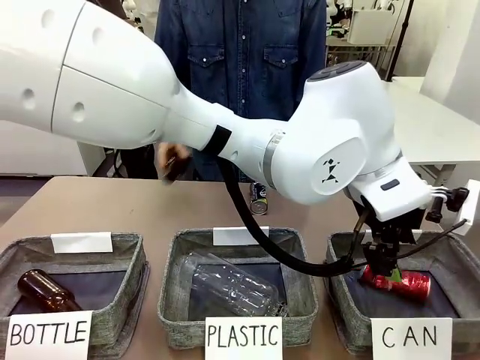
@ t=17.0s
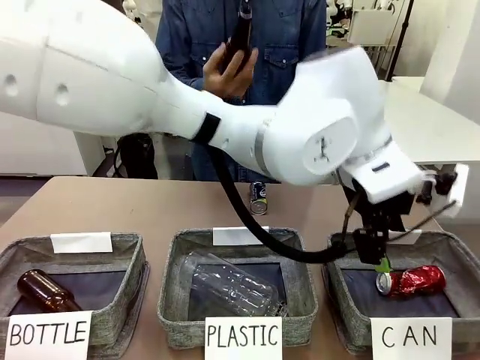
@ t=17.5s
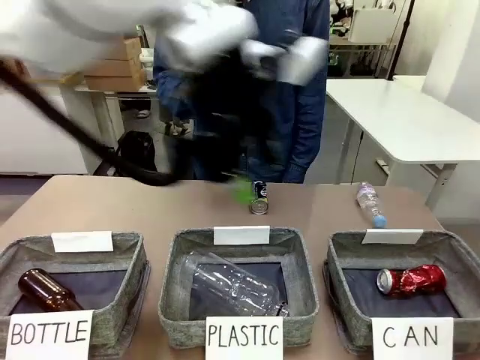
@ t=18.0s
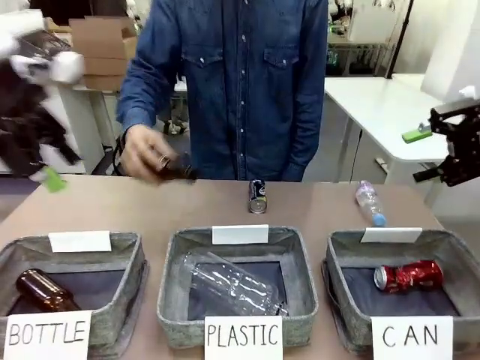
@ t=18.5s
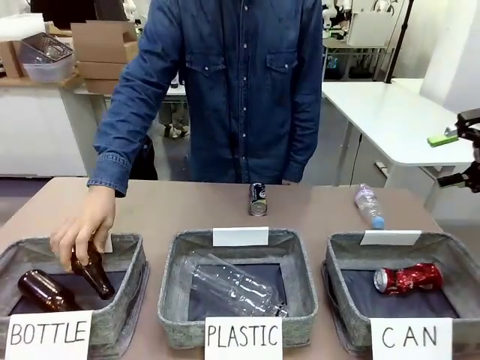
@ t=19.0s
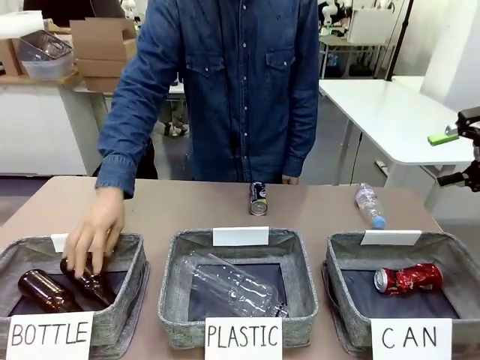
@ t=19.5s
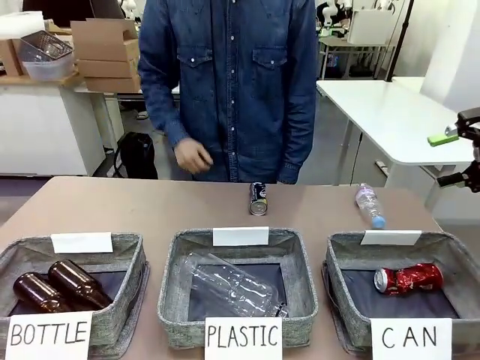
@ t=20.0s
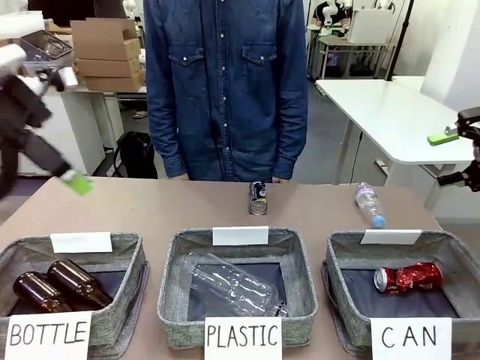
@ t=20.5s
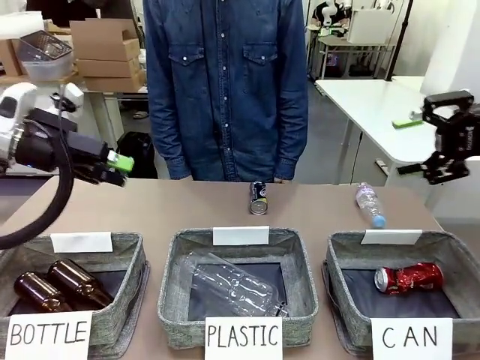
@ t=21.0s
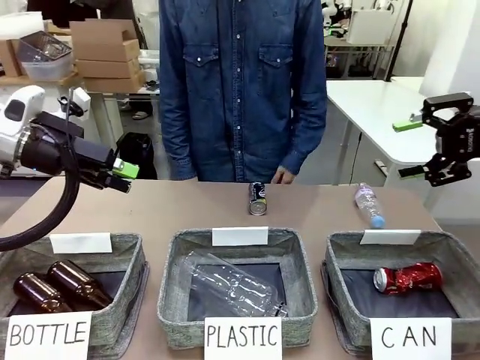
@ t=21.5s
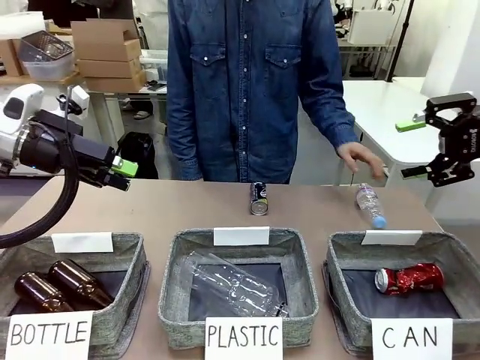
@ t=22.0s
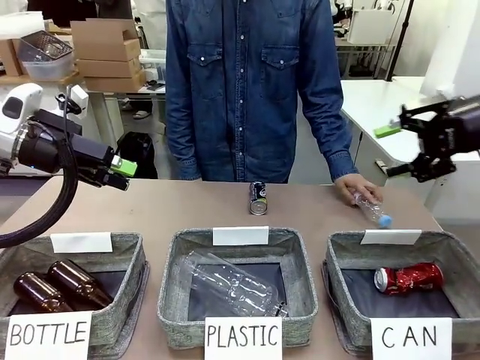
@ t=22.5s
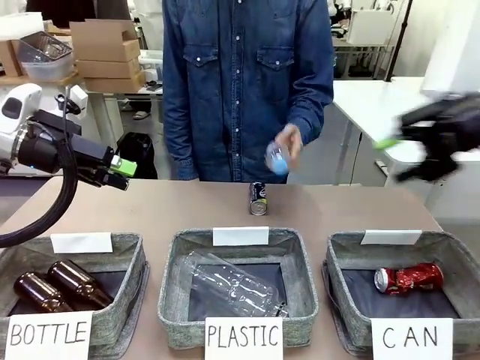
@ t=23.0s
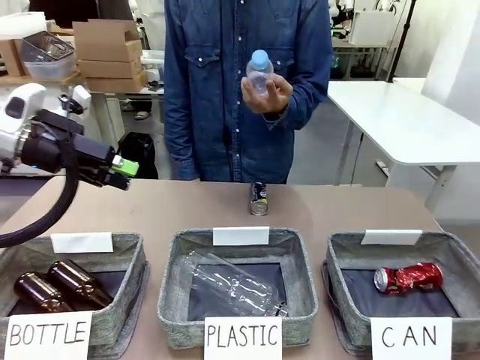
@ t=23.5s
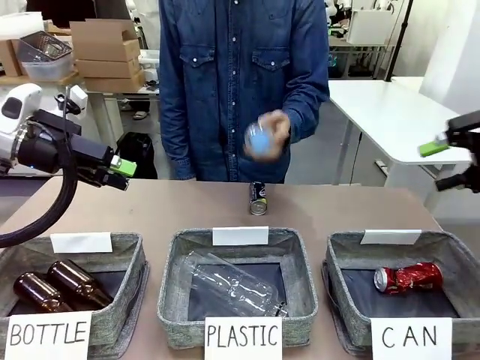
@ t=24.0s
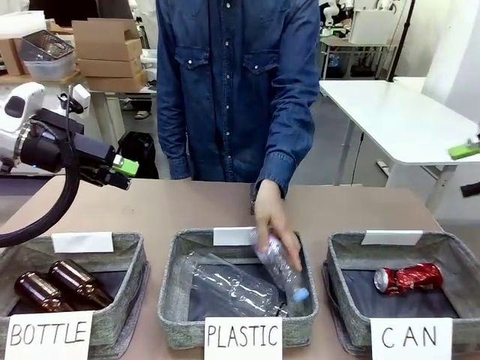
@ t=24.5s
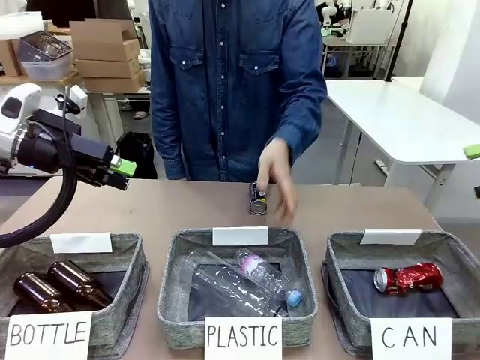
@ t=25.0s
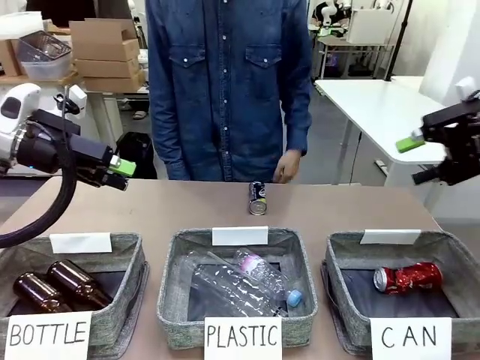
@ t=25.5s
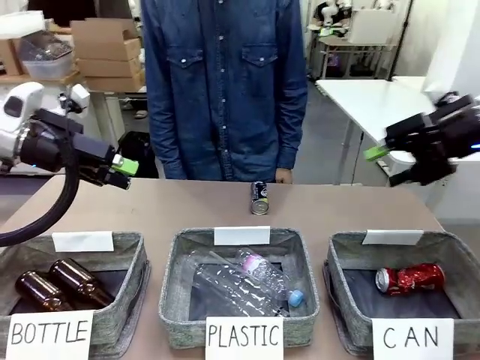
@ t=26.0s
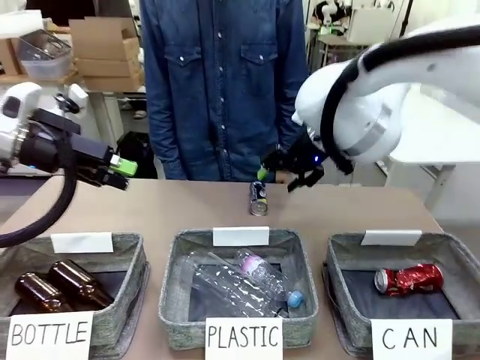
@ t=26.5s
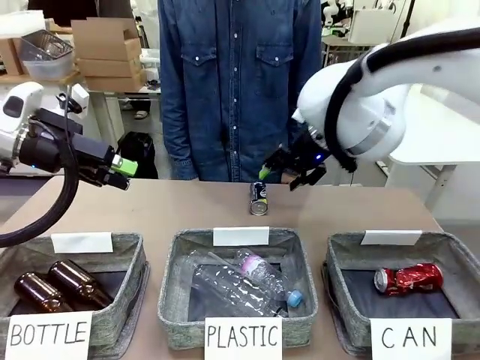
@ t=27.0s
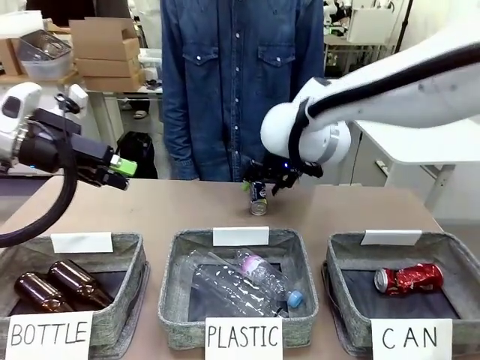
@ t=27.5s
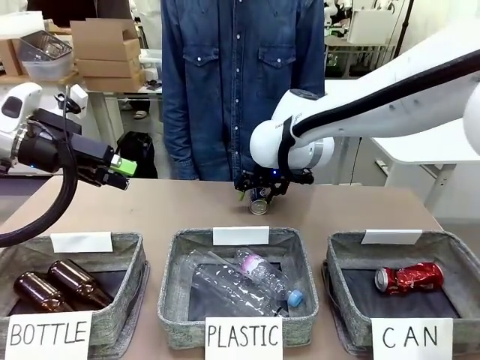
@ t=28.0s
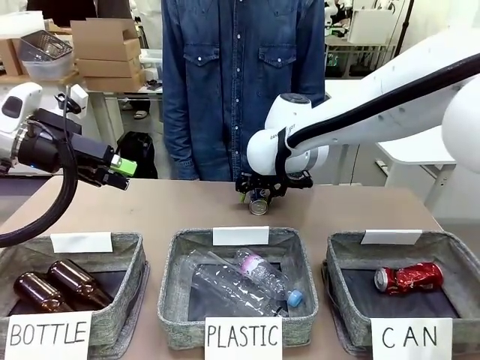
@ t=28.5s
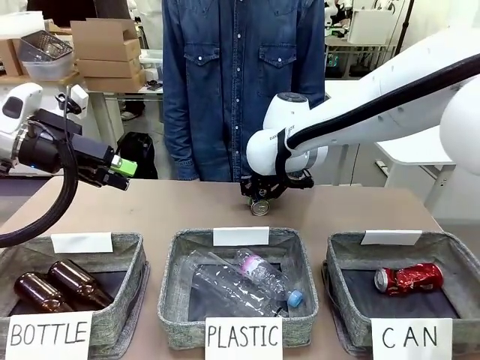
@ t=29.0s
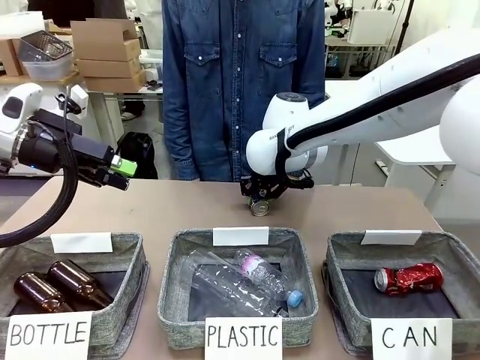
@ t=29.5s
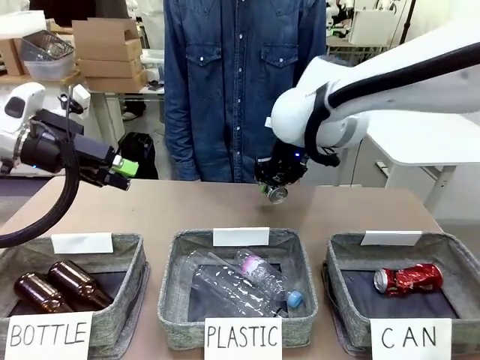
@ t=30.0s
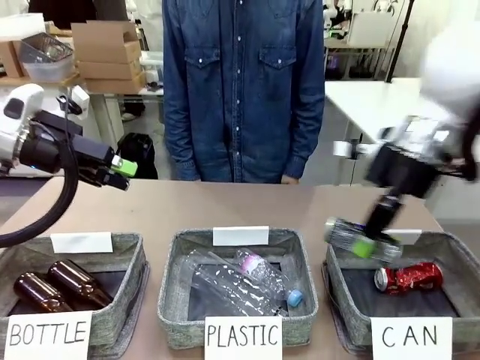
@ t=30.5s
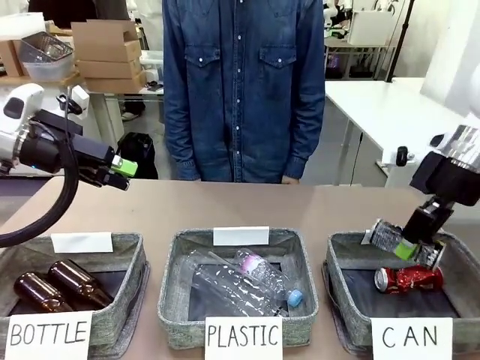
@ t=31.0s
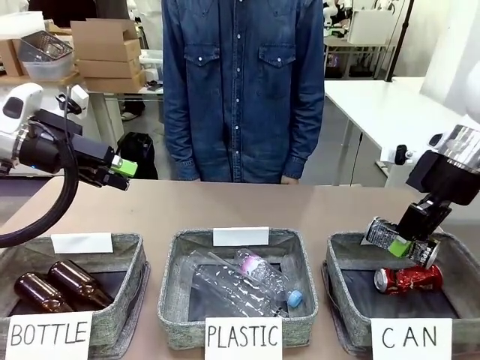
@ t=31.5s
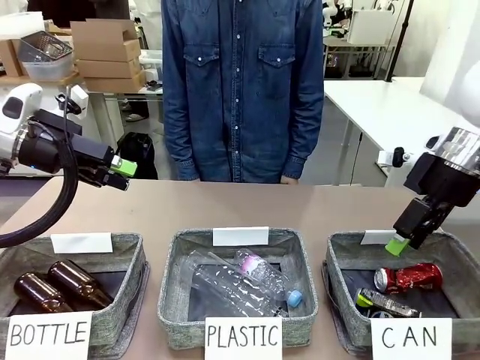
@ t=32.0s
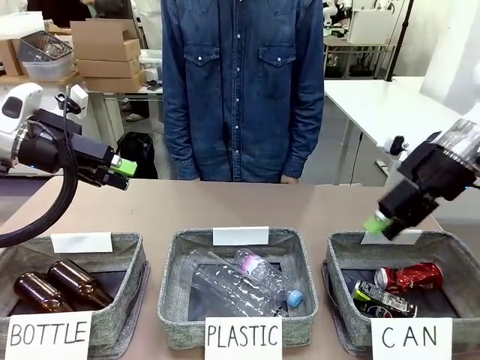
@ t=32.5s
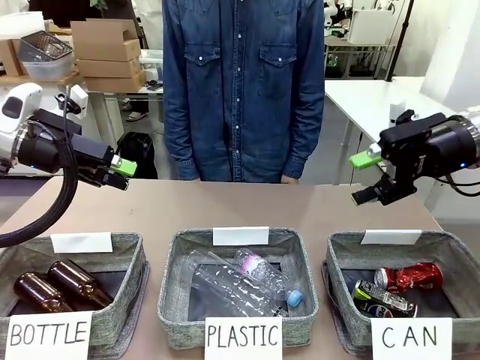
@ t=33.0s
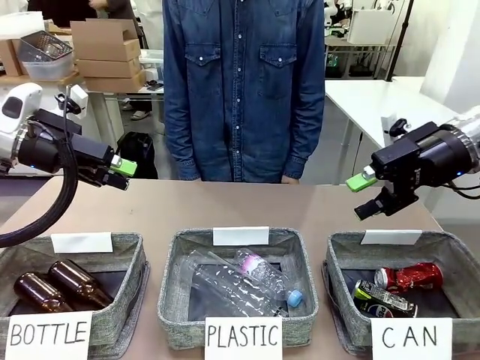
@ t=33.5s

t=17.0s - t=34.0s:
Task: Sort the can waste into the basket.
Robot: Pick up the can waste from the table and place it in the right Fabric basket.
